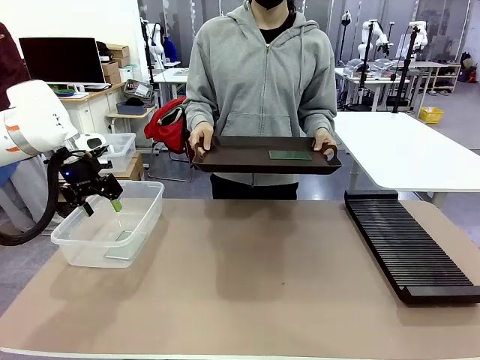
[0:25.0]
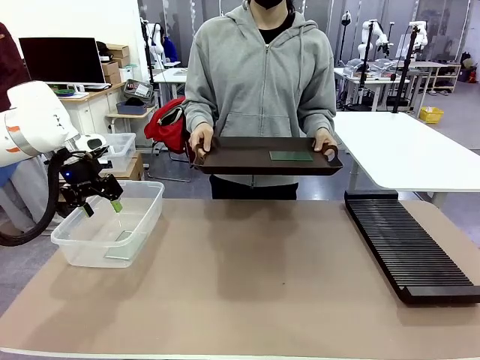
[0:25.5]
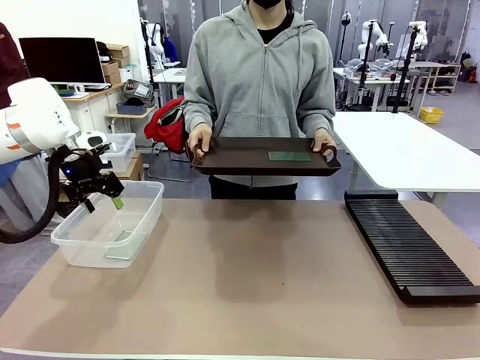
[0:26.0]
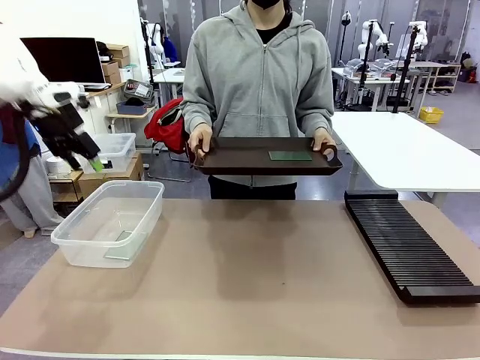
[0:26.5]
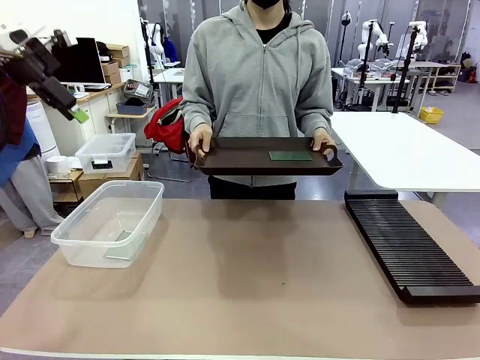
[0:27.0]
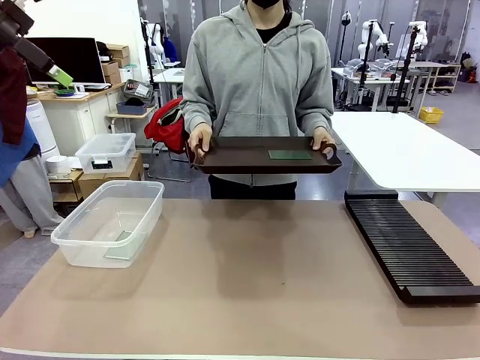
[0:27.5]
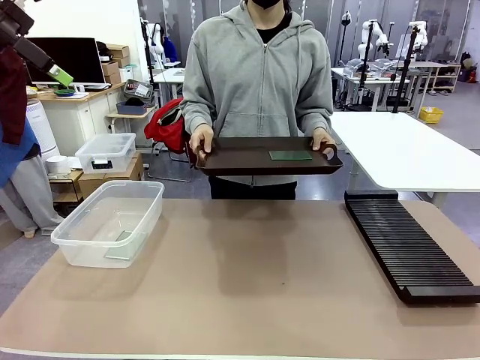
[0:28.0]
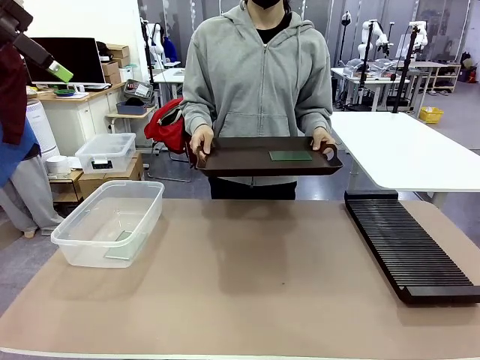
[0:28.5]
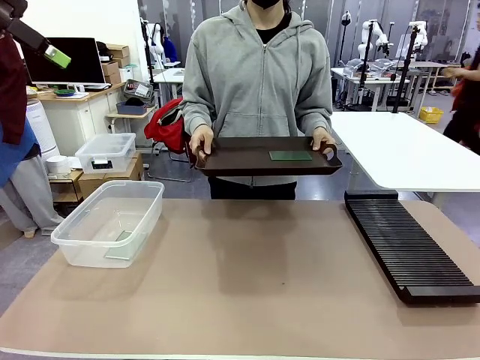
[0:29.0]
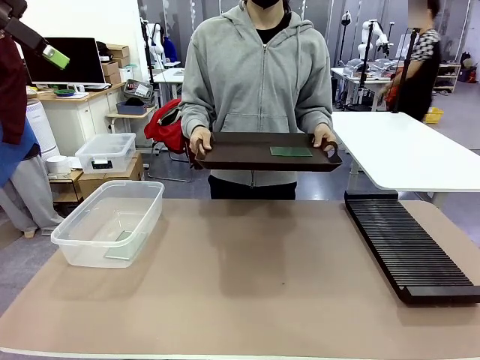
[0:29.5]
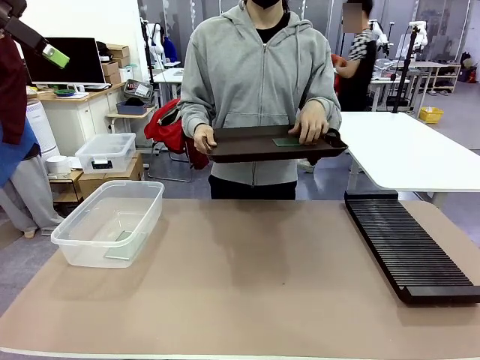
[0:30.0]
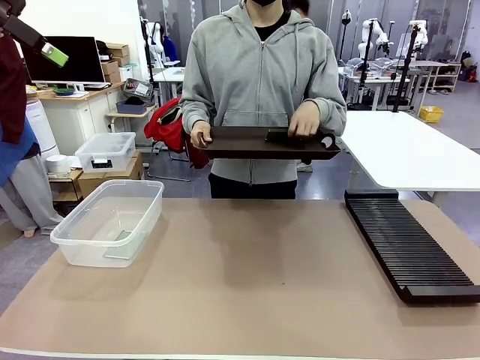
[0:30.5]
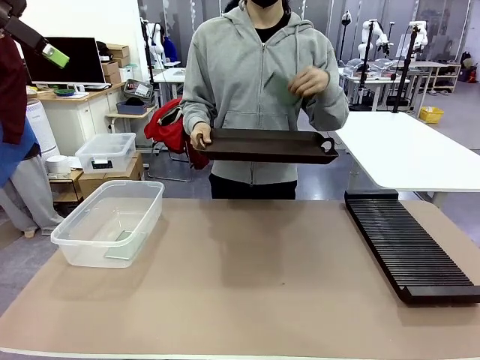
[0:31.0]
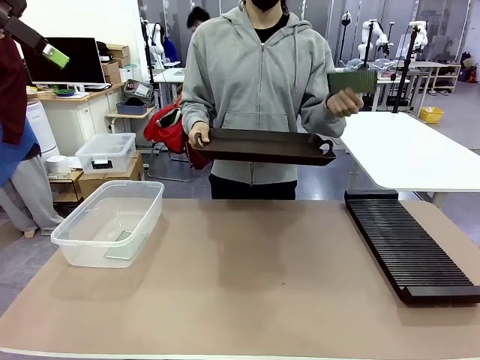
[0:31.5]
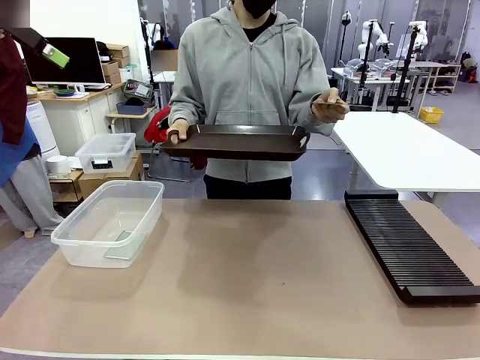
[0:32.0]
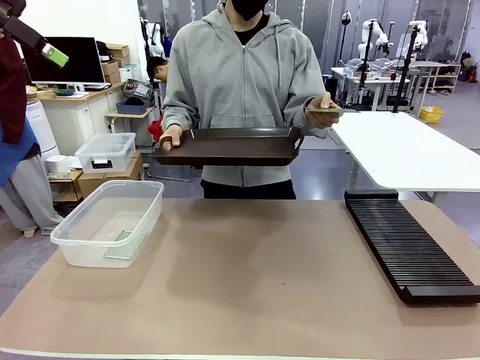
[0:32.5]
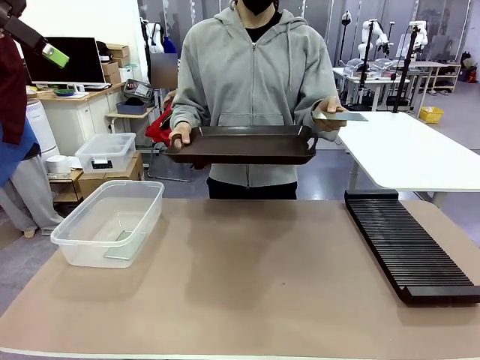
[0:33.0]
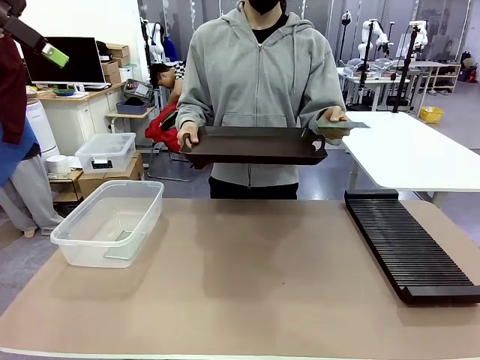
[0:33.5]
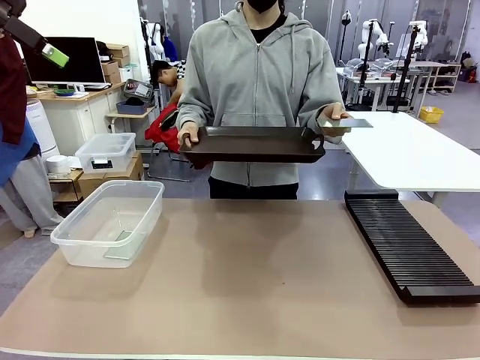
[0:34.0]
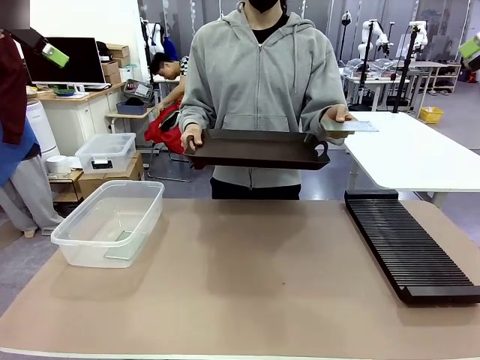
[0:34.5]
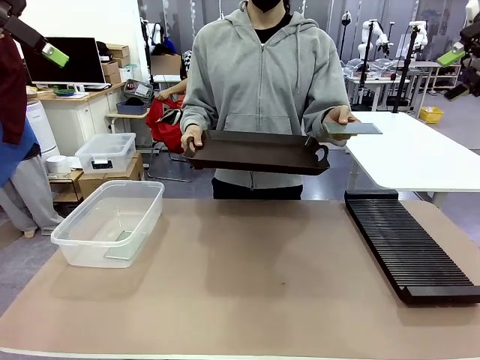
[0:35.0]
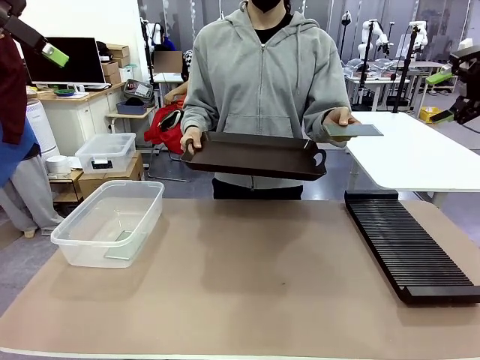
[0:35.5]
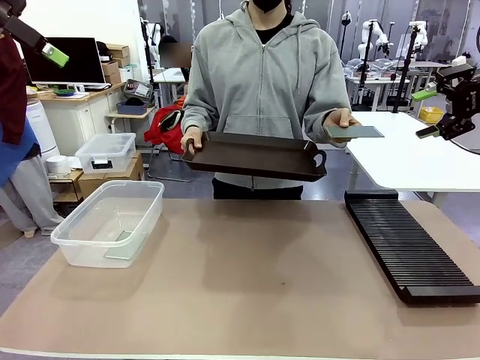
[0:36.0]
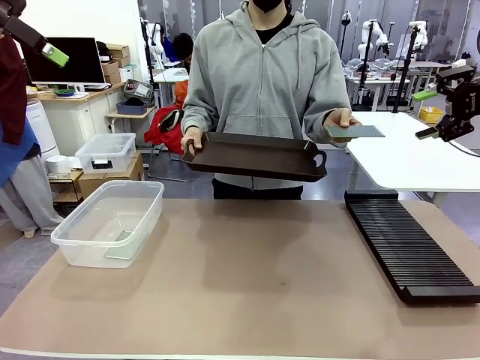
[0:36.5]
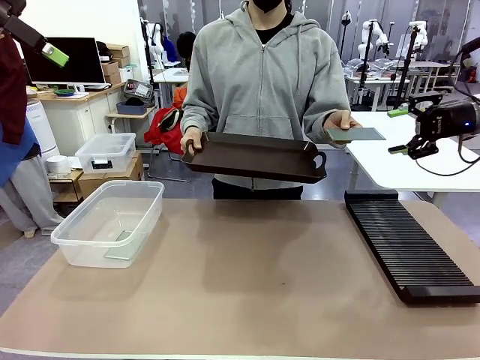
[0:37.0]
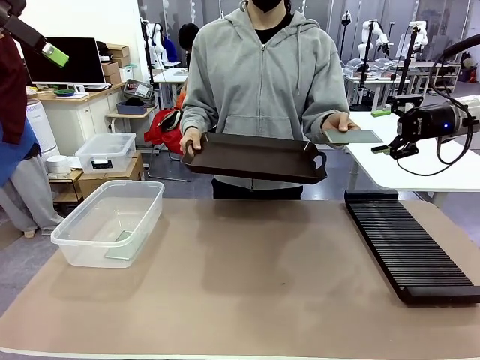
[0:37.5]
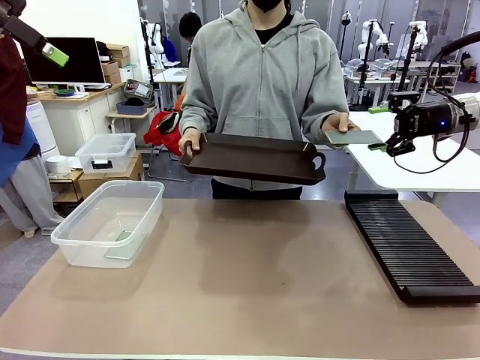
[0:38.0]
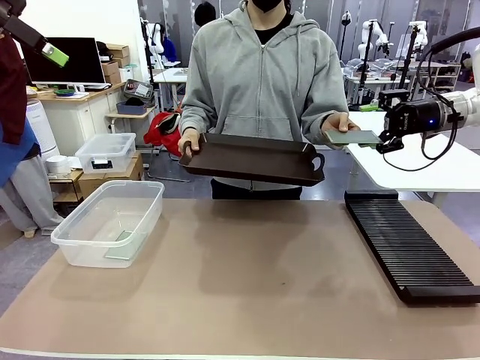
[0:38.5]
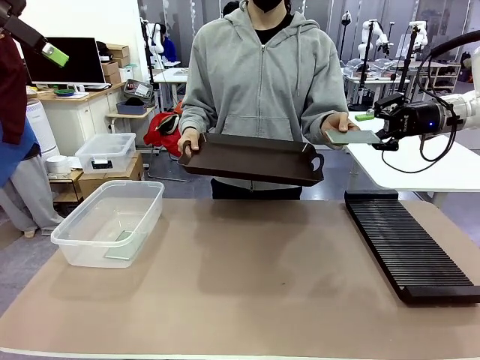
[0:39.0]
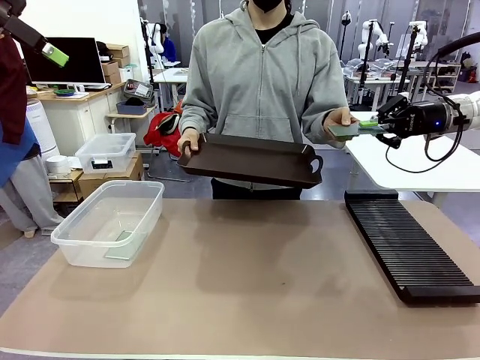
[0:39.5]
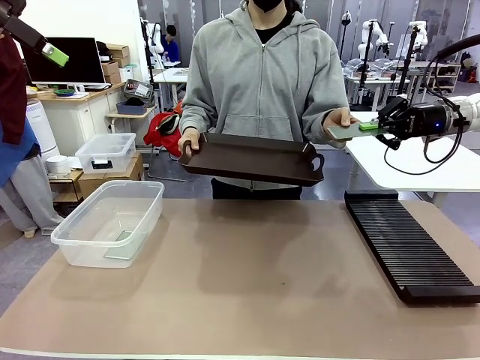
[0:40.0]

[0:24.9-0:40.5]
Task: Sort PCBs into racks and boxes based on the side picked up.
Robot: Pick up the Blank PCB handed by the Human.
Person: Pick one PCB from the tray and present it to the robot.

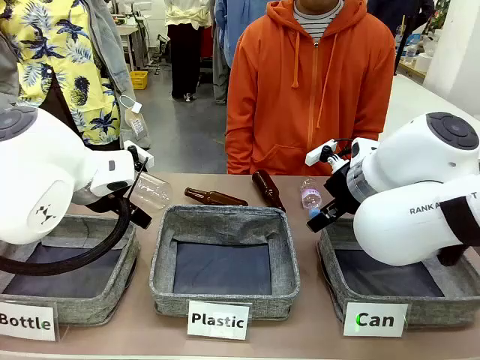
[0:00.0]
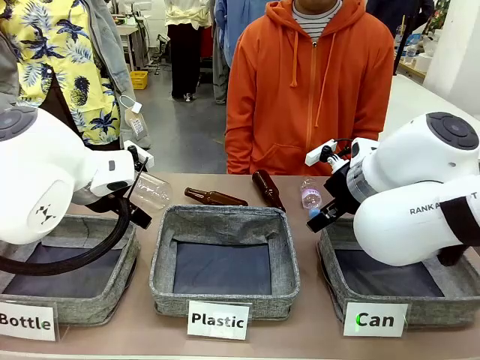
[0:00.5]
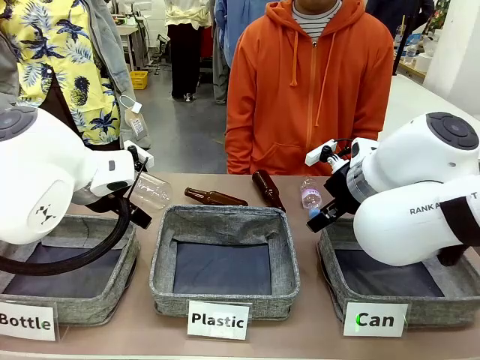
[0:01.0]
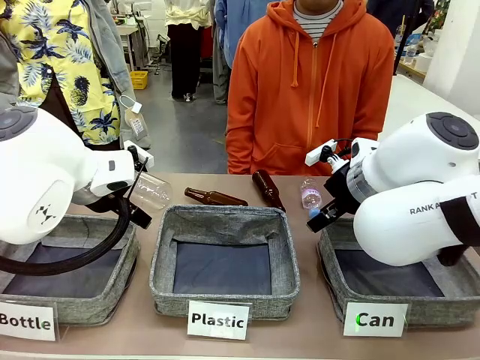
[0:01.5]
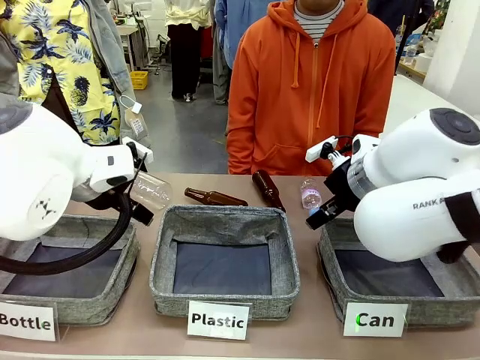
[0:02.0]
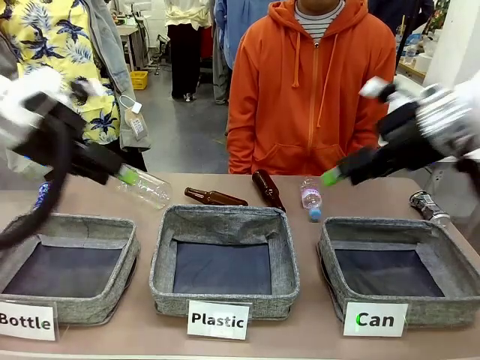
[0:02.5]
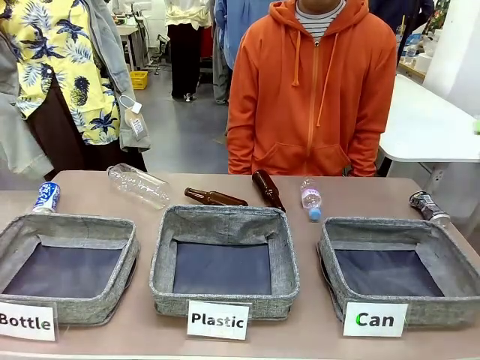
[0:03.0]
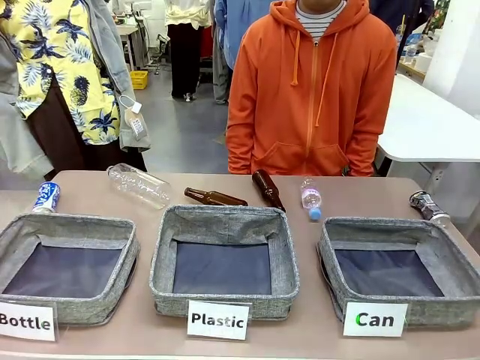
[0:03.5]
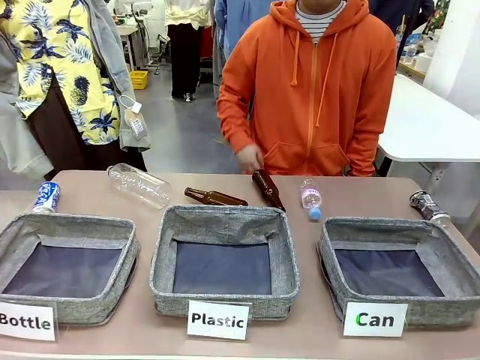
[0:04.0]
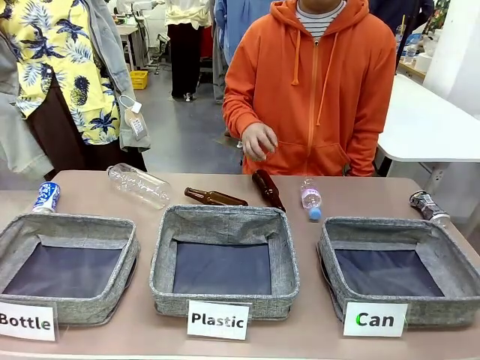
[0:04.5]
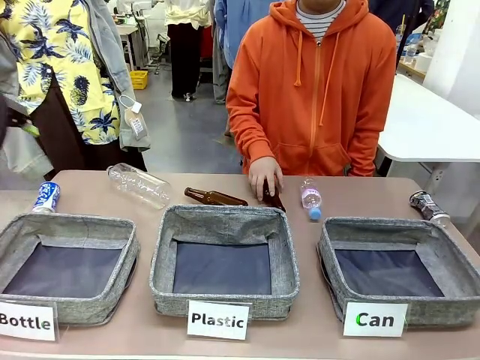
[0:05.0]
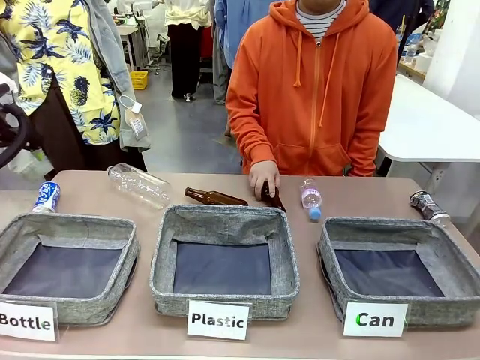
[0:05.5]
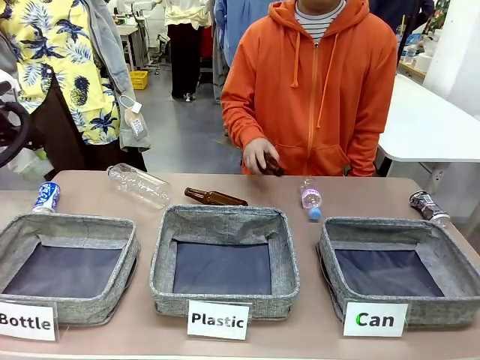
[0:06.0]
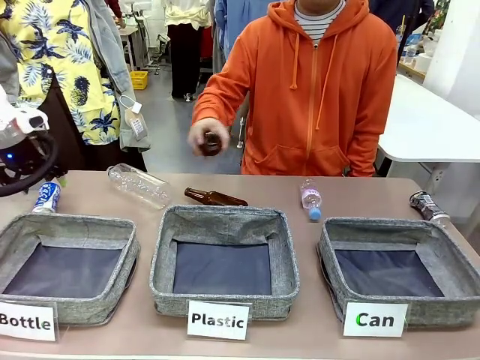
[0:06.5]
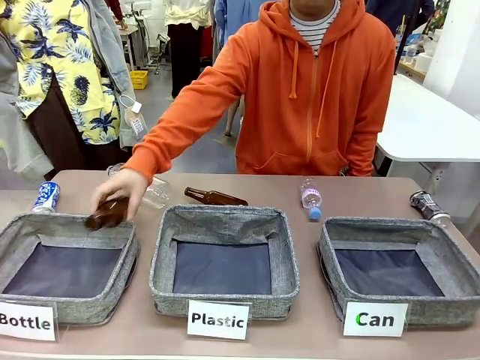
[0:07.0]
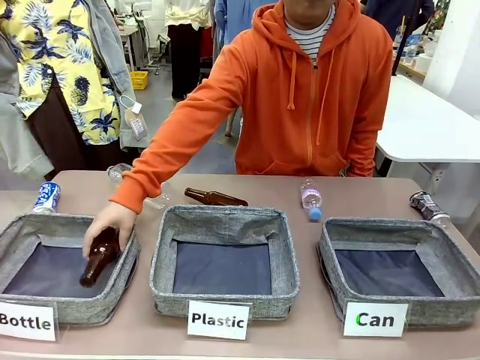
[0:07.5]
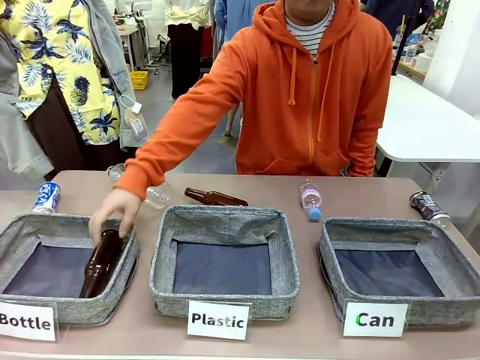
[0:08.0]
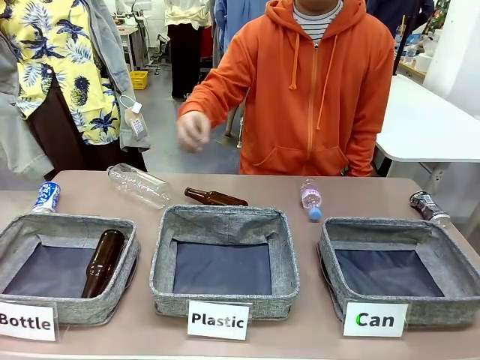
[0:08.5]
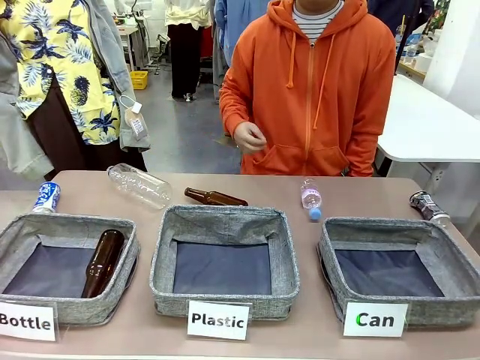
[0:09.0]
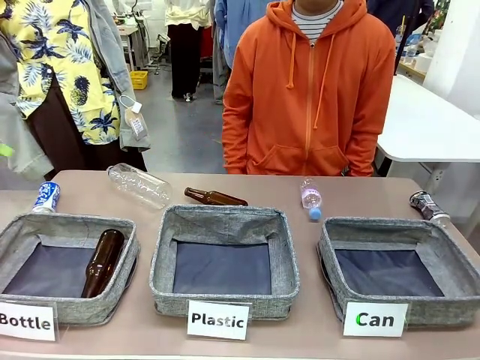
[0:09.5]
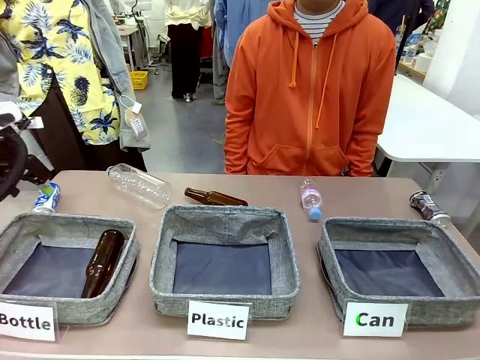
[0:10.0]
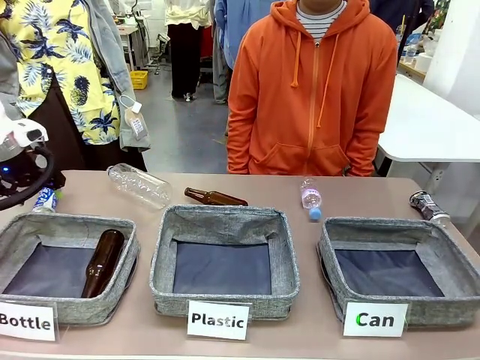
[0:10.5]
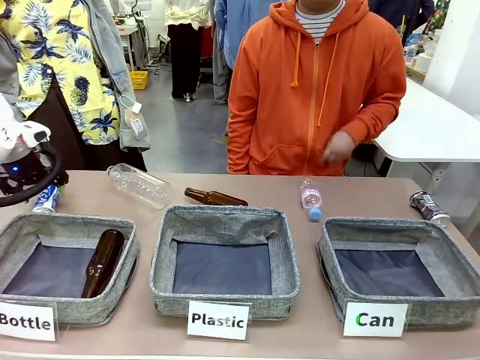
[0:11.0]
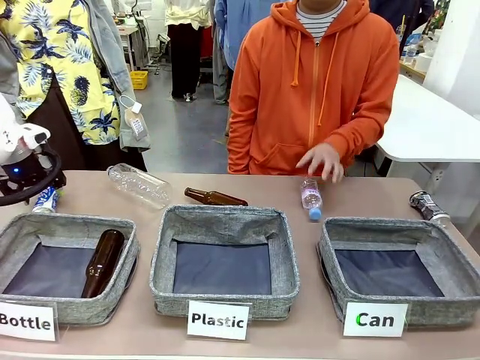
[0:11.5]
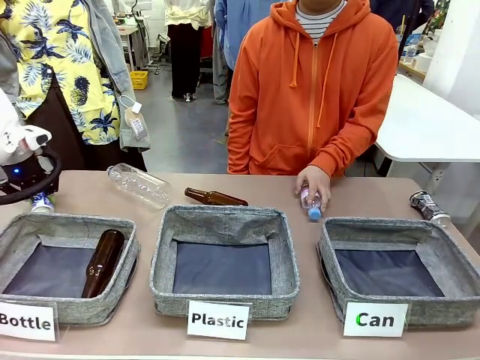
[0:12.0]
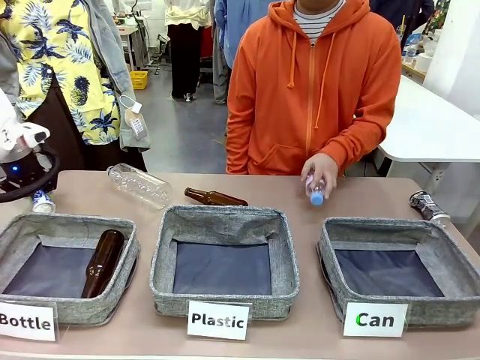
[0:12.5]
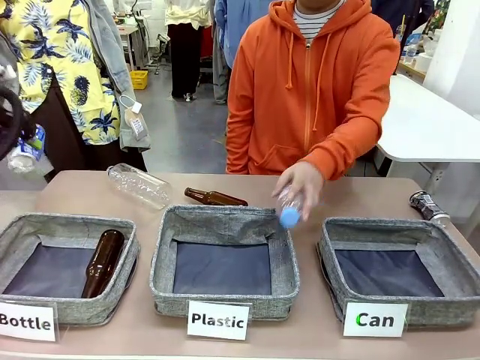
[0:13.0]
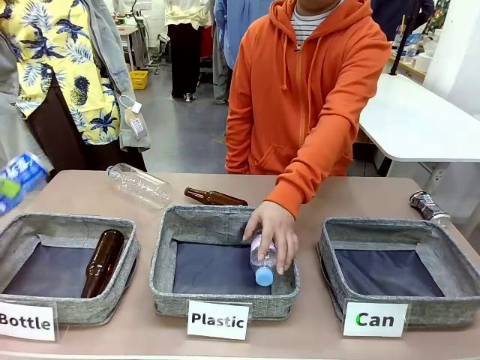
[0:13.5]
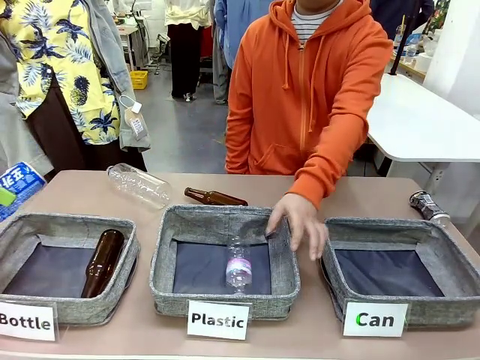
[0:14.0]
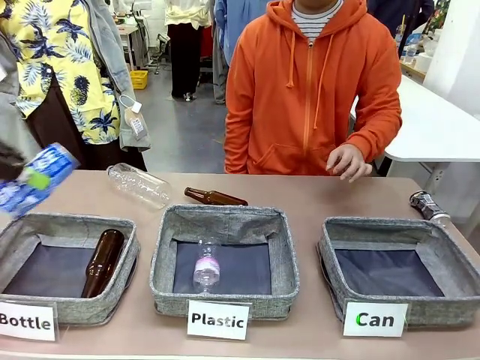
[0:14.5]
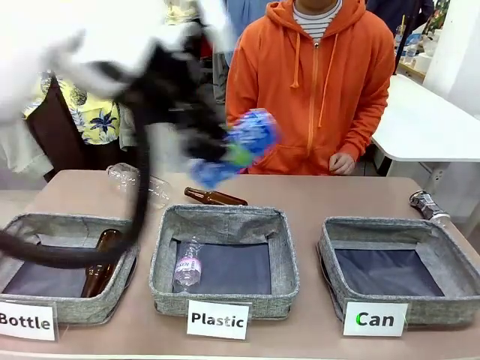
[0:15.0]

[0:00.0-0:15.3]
Task: Sort the can waste into the basket.
Robot: Pick up the can waste from the table and place it in the right Fabric basket.
